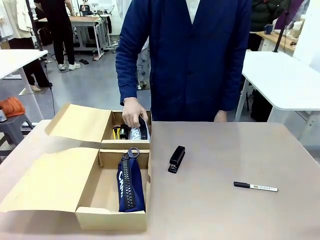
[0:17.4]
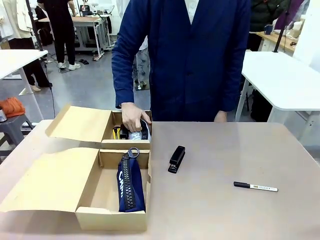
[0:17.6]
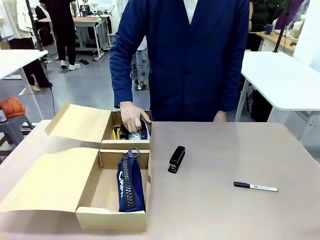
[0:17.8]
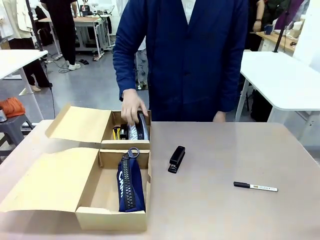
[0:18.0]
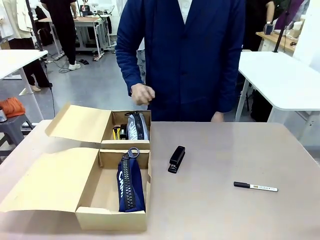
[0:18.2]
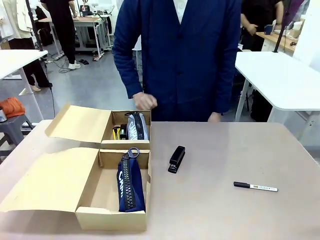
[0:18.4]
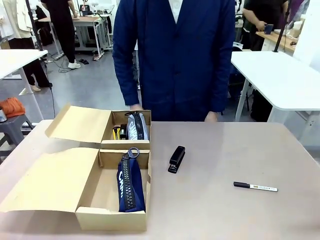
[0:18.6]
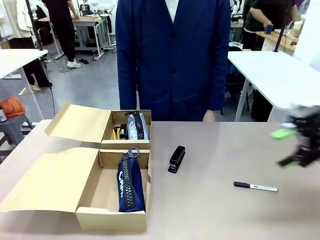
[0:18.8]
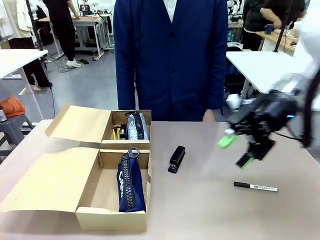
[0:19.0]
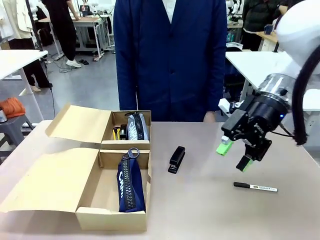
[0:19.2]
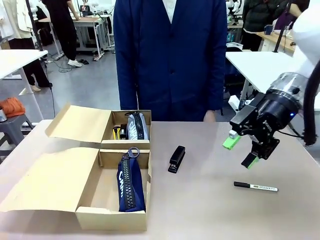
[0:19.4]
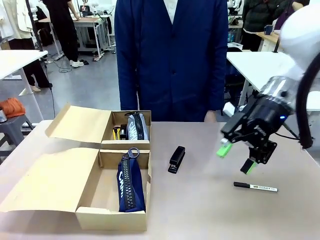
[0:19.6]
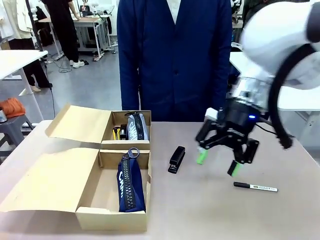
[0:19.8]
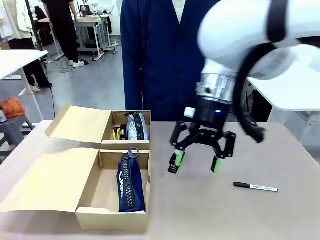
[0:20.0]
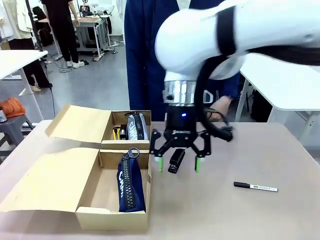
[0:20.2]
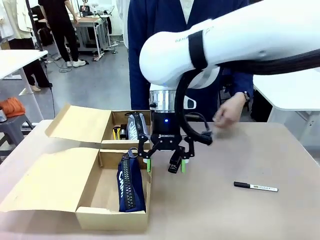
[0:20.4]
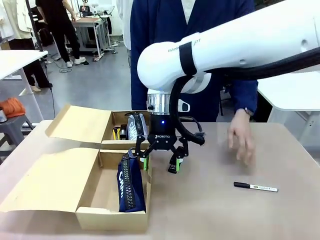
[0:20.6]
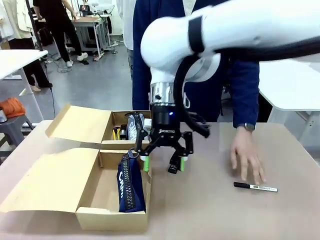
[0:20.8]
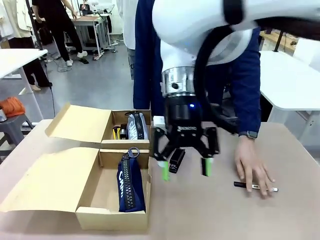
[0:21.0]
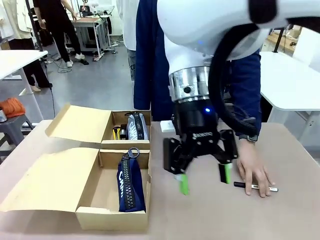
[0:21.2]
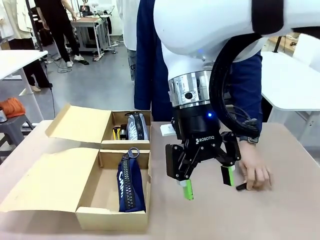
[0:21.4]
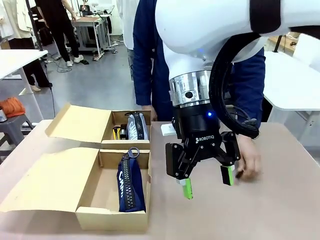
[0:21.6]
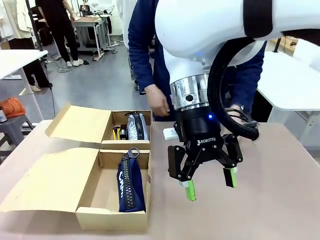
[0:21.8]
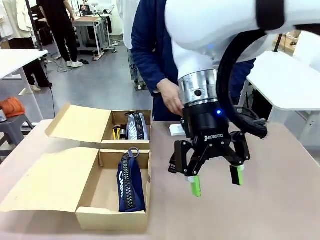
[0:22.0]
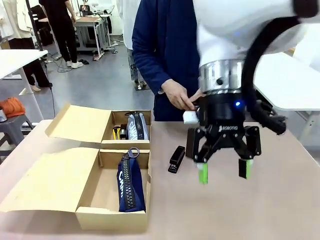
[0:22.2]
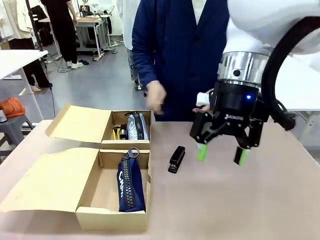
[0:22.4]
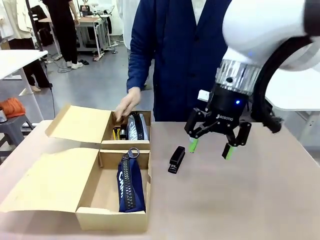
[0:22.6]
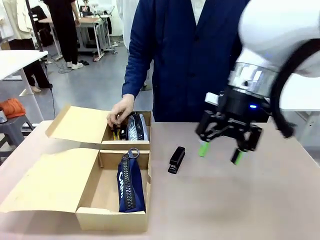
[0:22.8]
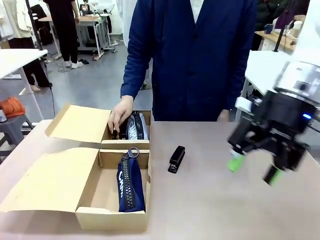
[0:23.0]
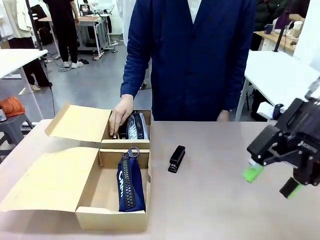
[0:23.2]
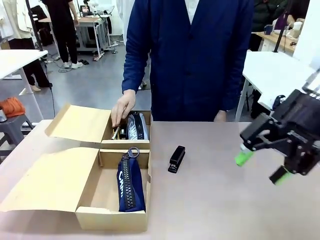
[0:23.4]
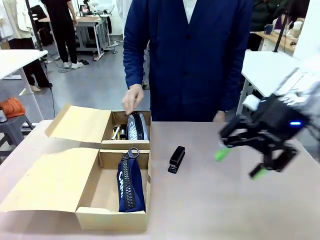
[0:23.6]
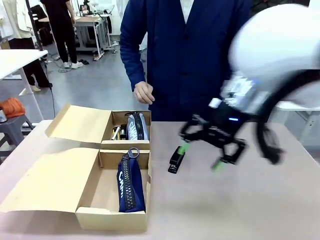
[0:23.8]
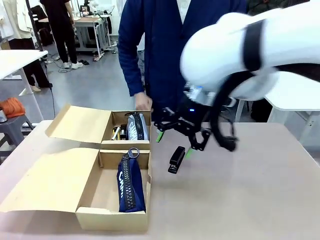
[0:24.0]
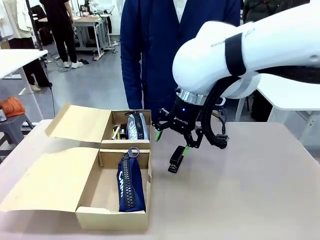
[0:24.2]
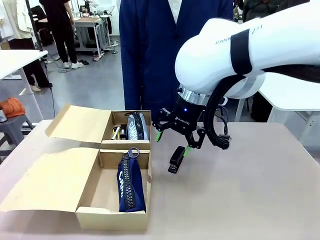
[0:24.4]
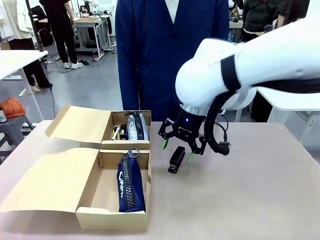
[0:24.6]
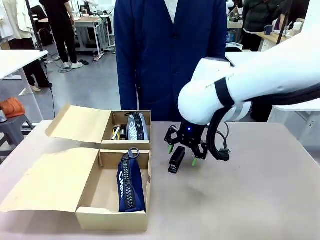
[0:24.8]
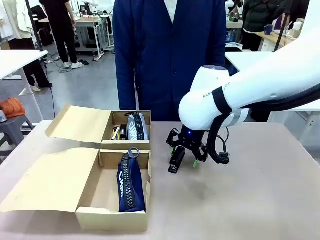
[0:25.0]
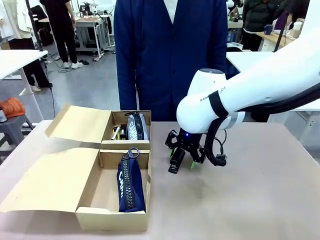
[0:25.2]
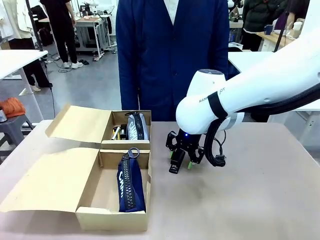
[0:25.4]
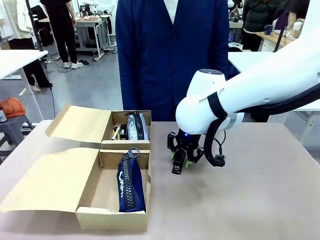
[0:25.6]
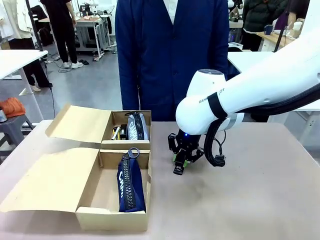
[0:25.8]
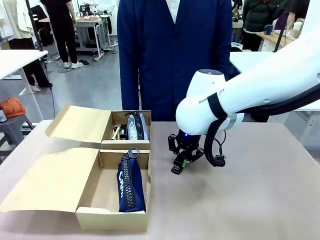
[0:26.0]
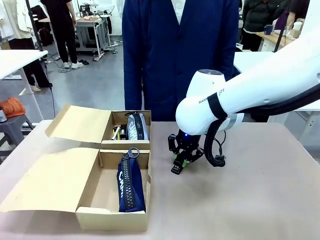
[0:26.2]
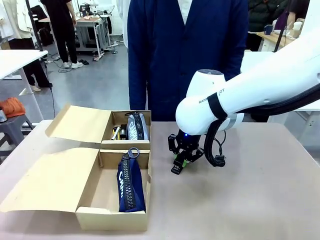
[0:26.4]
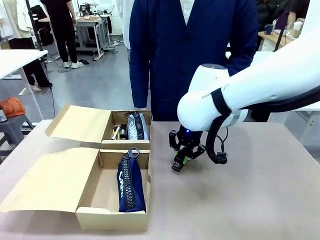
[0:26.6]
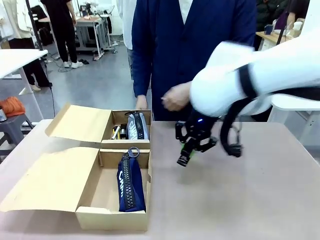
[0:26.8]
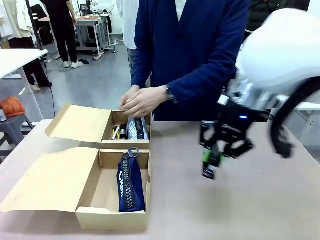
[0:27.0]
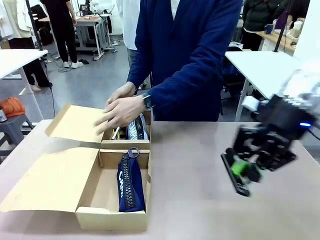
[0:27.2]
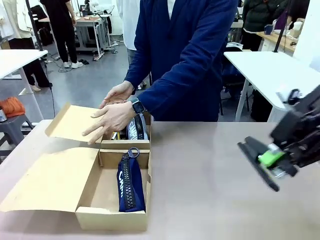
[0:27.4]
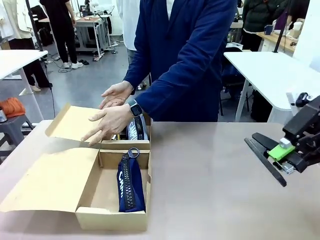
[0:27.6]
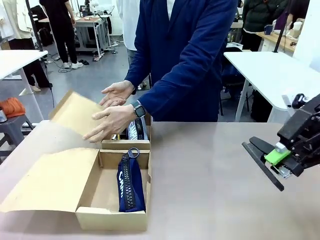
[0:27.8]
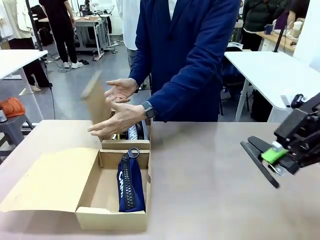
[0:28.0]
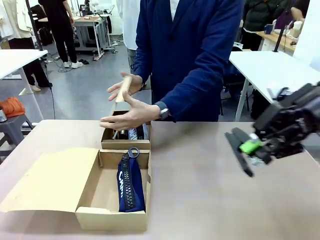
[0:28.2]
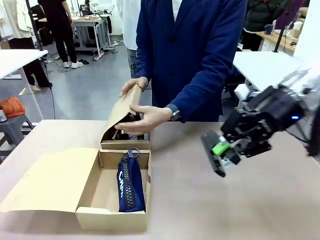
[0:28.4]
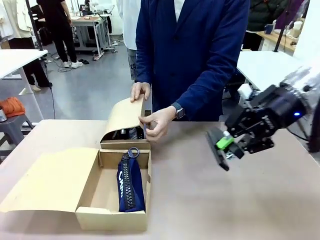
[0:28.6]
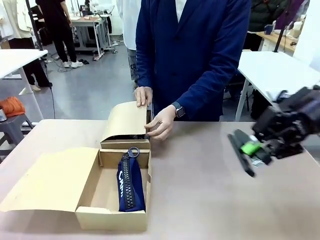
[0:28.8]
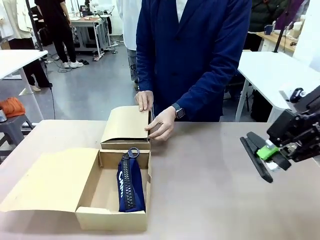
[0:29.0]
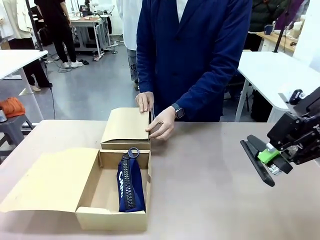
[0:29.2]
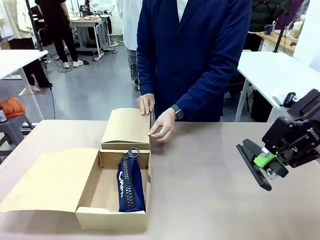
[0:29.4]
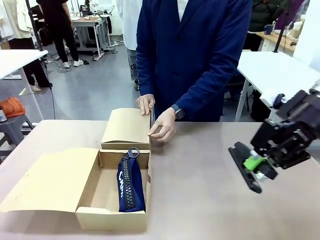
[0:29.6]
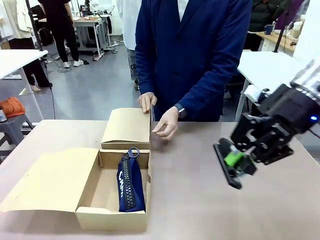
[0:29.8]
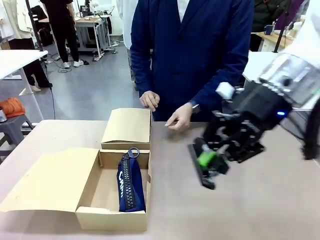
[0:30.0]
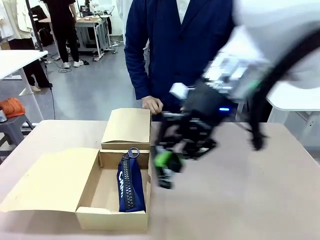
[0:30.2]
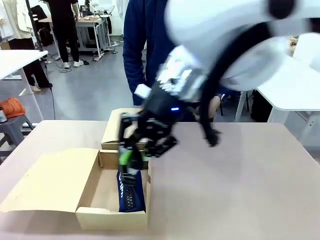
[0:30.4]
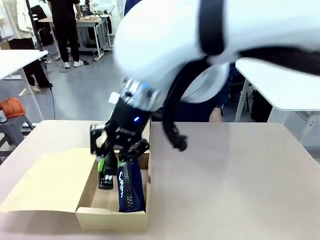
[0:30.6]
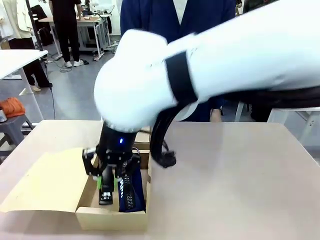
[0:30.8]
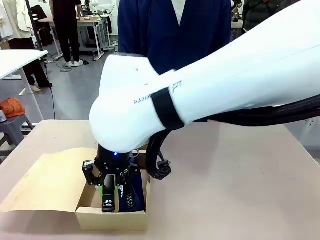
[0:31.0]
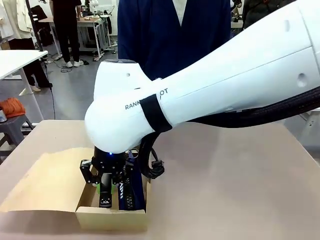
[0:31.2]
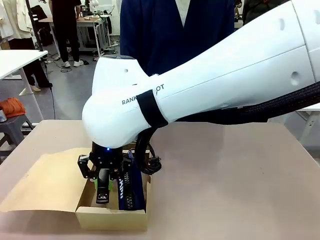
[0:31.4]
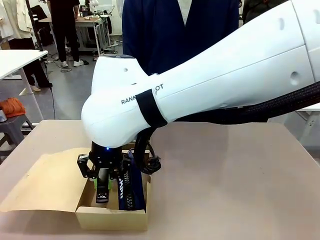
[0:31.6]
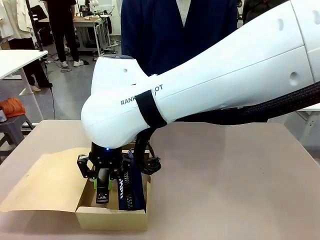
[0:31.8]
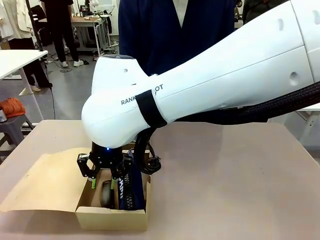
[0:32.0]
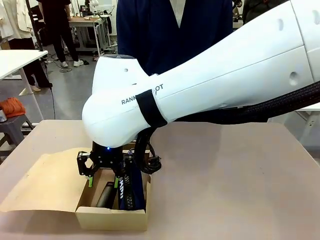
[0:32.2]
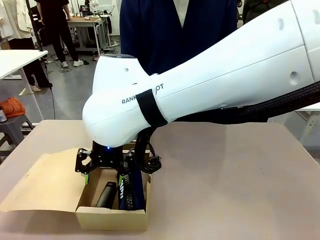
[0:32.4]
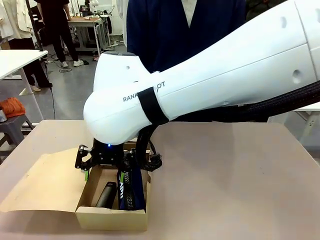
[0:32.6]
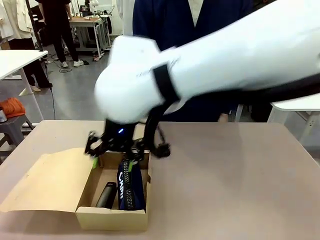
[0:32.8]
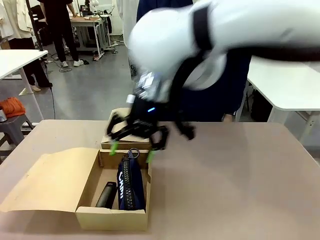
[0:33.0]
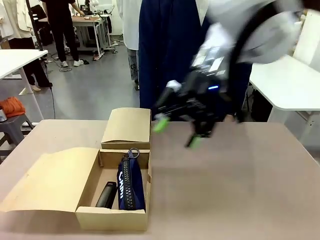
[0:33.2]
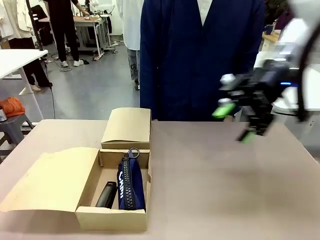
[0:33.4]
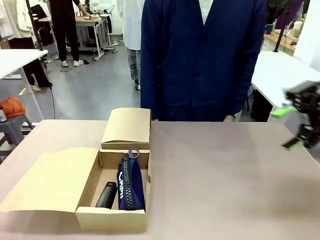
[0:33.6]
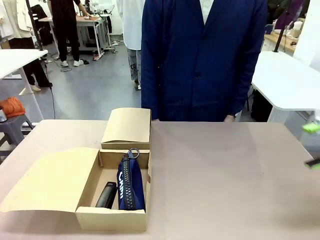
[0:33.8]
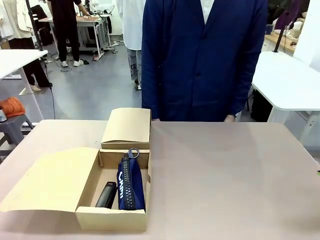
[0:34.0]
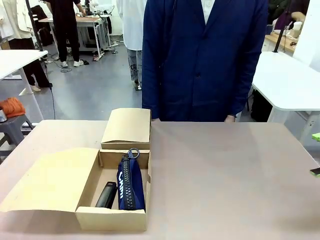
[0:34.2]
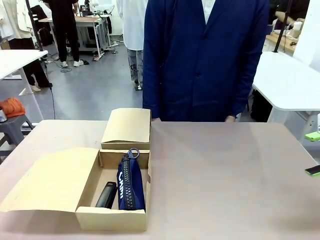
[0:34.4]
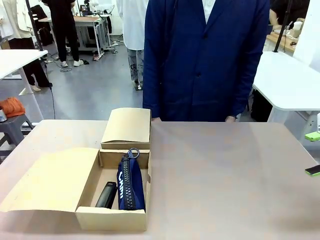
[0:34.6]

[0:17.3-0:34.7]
Task: Place items inside the box.
Robot: Pick up a Pencil pouch or Stapler and place it inside the Mailer Box closest to the robot.
Person: Close the lid of the box facing the person.

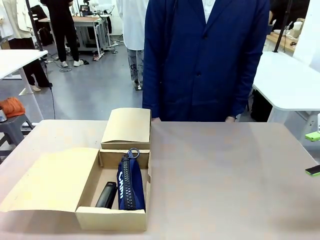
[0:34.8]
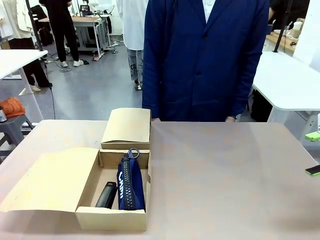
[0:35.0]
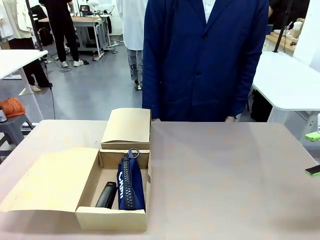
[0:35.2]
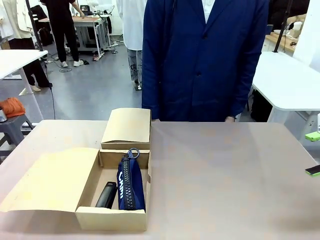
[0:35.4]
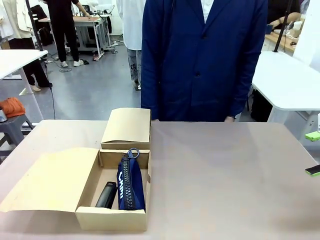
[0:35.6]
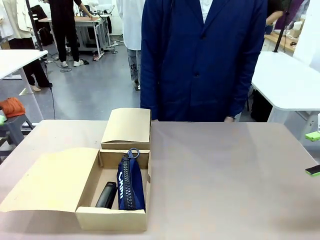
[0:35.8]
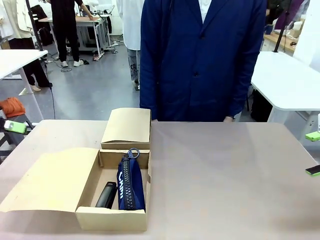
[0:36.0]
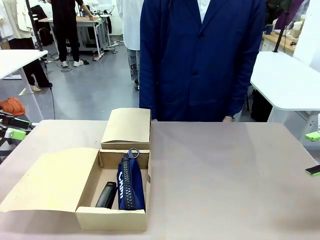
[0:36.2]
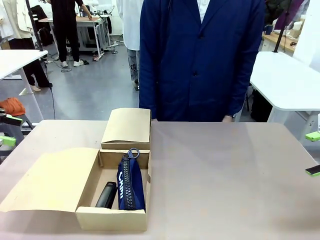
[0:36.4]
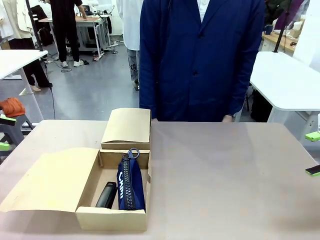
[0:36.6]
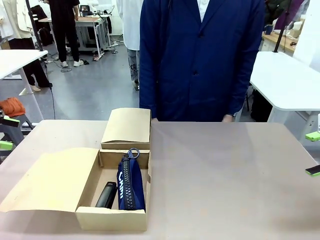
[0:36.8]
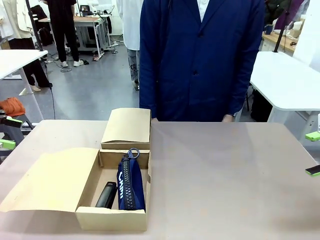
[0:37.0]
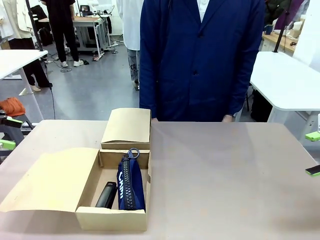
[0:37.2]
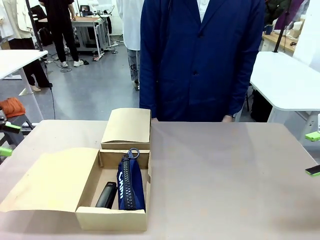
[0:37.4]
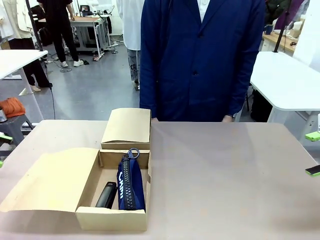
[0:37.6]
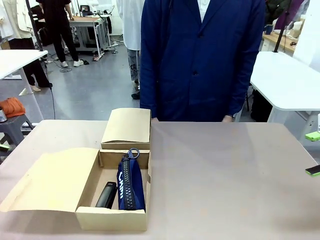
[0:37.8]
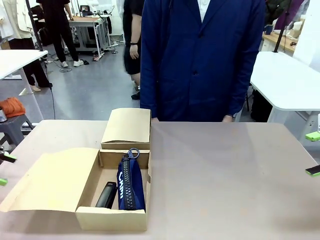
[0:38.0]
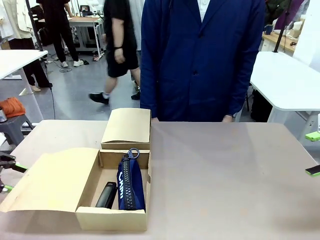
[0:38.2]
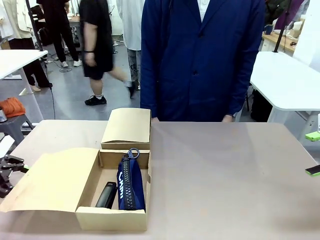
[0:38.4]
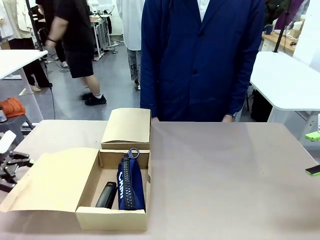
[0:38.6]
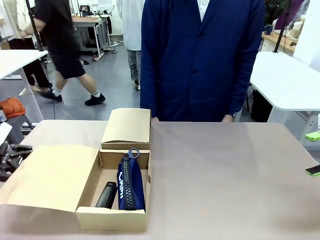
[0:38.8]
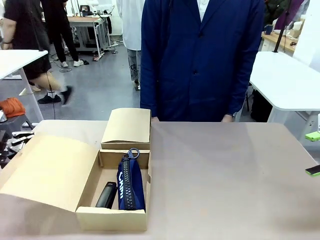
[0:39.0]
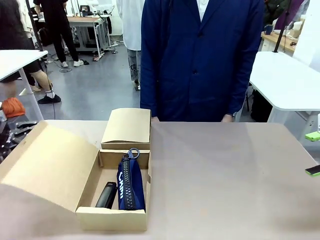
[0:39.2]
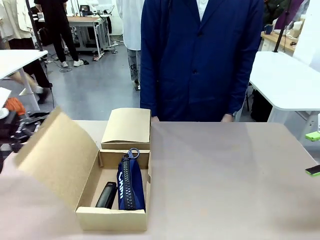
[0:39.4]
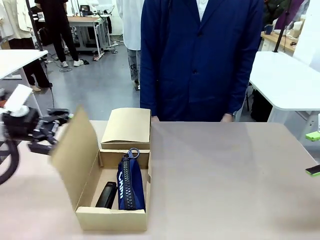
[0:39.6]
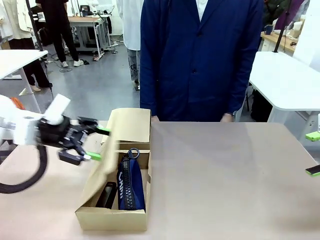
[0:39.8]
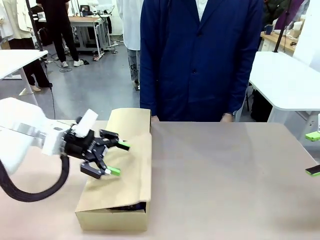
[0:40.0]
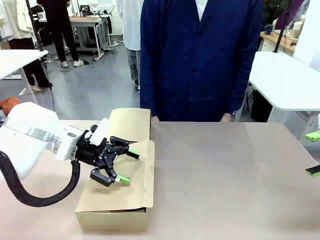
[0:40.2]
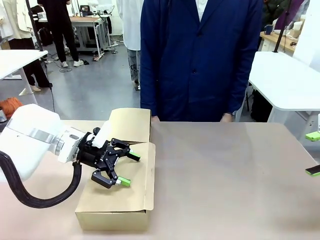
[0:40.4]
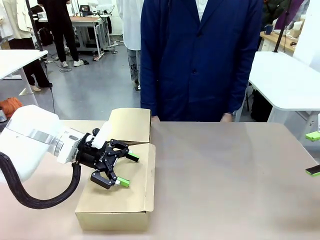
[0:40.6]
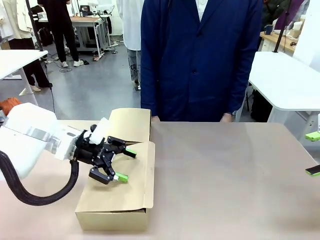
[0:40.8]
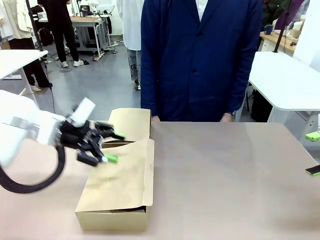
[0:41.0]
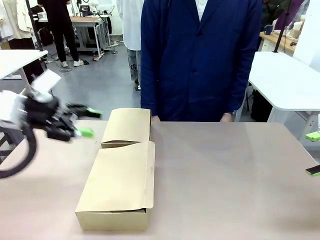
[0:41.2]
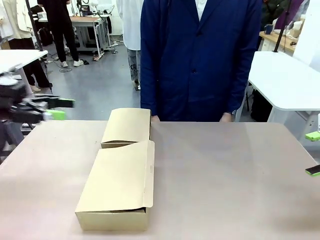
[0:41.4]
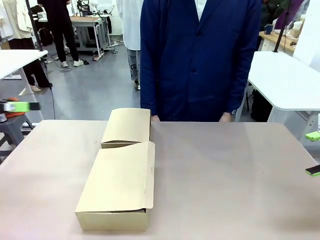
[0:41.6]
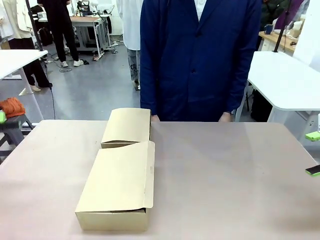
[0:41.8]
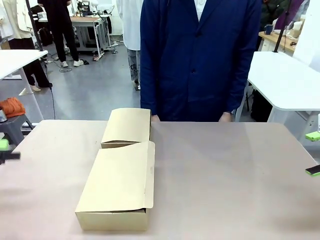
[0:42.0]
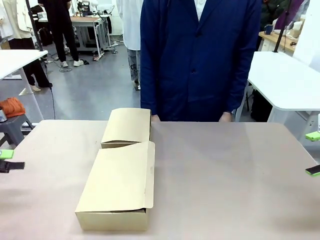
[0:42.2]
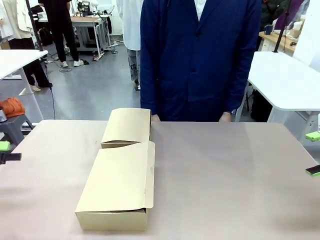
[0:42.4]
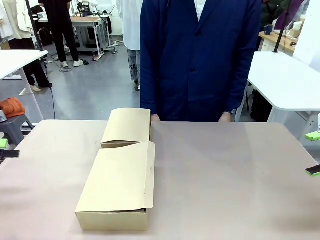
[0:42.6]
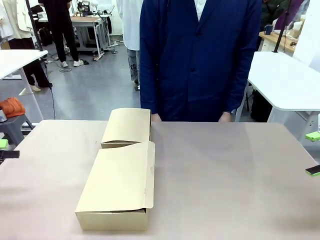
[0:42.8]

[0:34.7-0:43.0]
Robot: Close the lid of the Mailer Box closest to the robot.
